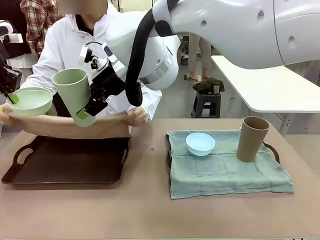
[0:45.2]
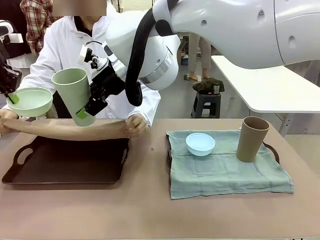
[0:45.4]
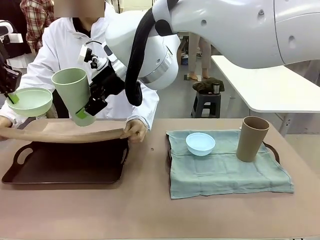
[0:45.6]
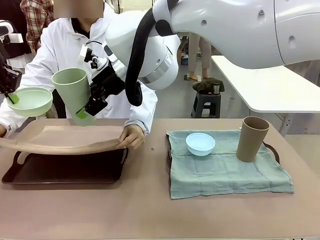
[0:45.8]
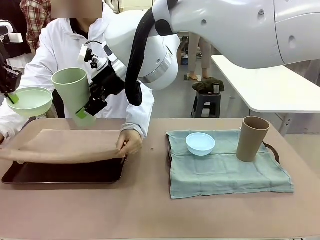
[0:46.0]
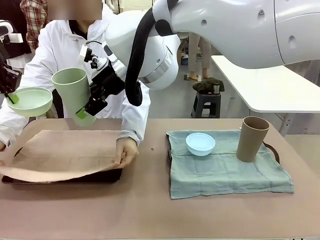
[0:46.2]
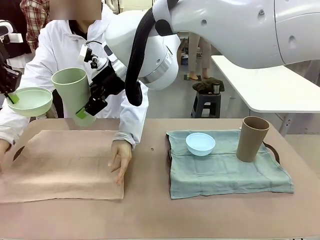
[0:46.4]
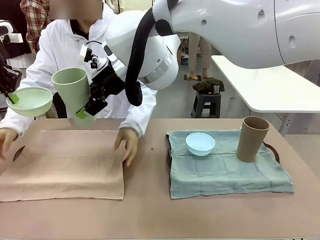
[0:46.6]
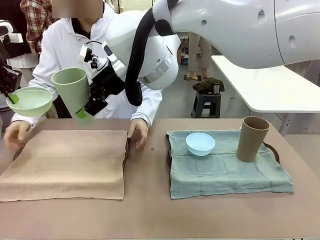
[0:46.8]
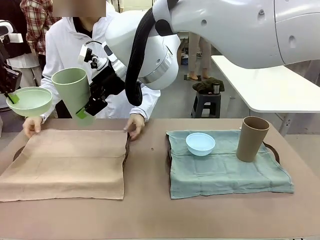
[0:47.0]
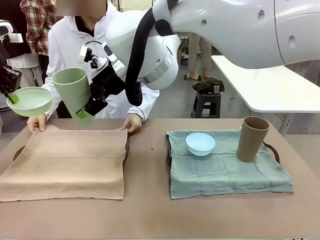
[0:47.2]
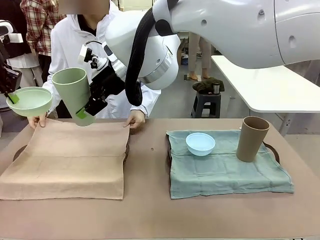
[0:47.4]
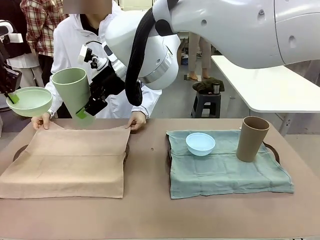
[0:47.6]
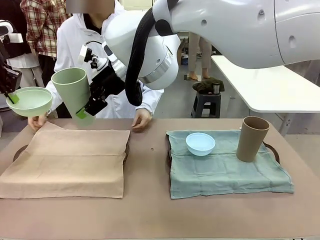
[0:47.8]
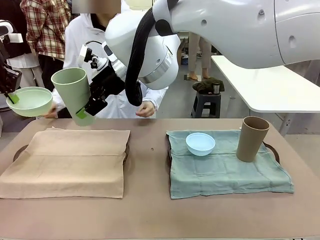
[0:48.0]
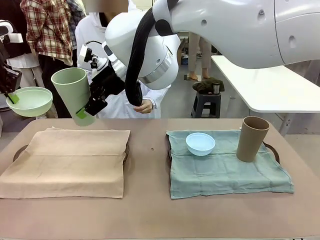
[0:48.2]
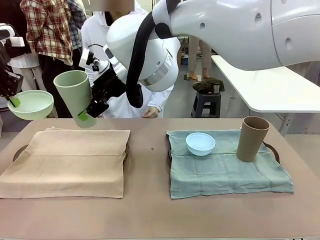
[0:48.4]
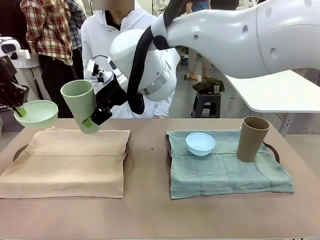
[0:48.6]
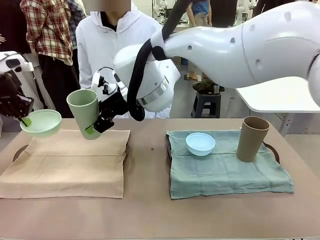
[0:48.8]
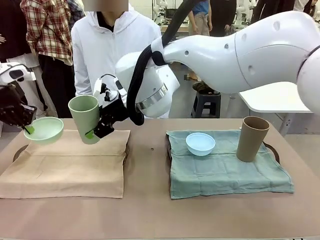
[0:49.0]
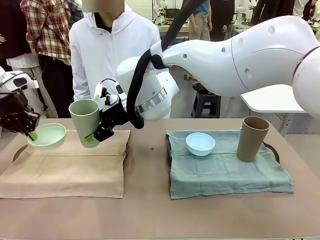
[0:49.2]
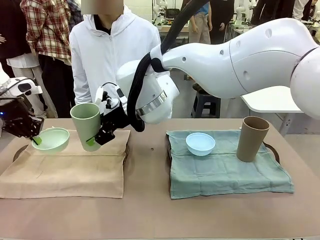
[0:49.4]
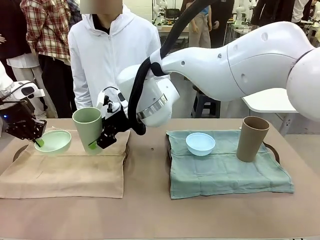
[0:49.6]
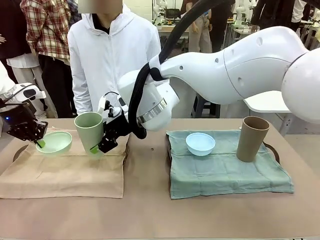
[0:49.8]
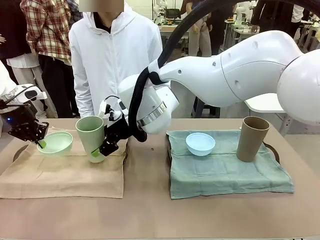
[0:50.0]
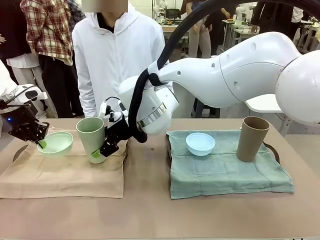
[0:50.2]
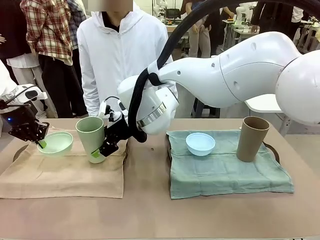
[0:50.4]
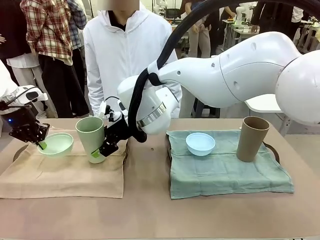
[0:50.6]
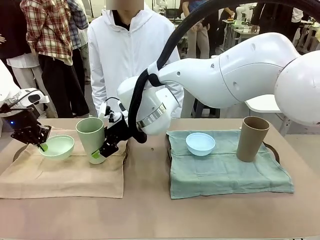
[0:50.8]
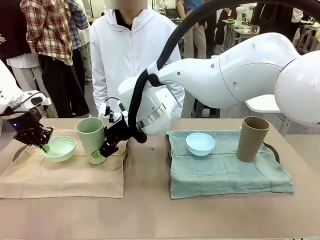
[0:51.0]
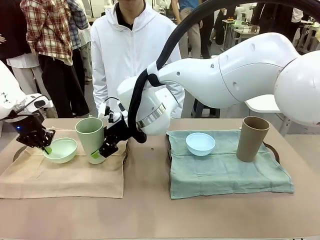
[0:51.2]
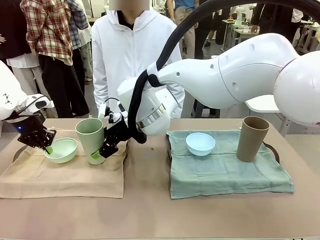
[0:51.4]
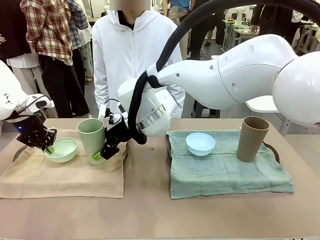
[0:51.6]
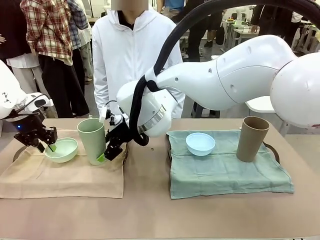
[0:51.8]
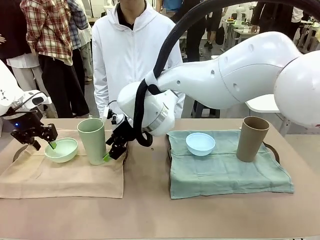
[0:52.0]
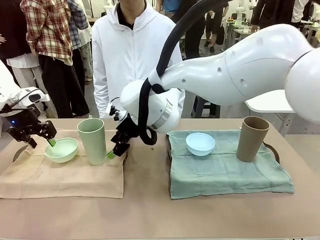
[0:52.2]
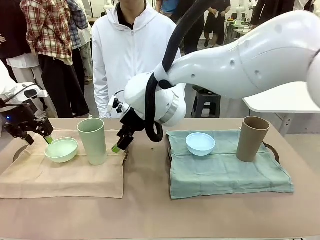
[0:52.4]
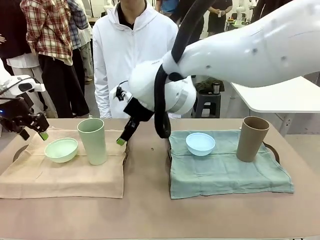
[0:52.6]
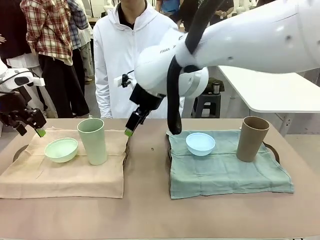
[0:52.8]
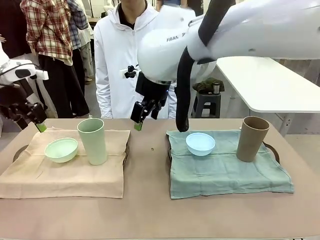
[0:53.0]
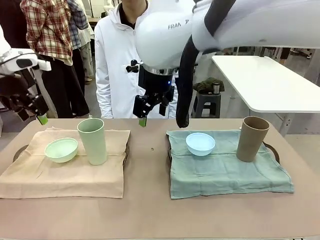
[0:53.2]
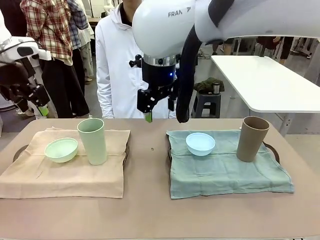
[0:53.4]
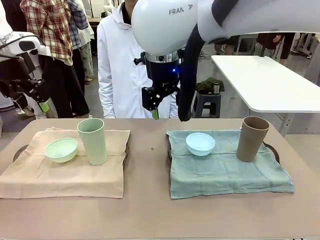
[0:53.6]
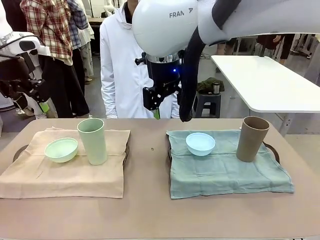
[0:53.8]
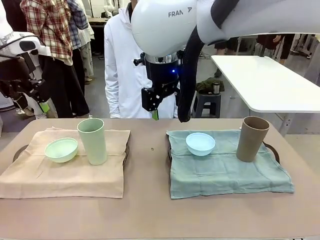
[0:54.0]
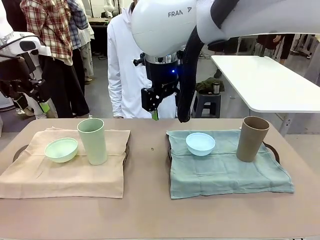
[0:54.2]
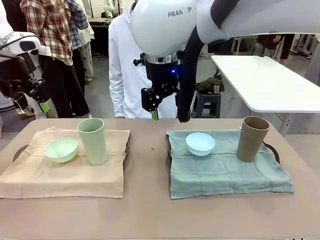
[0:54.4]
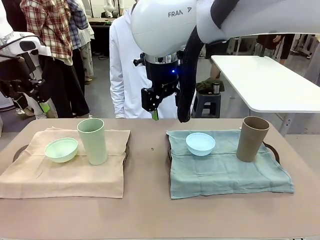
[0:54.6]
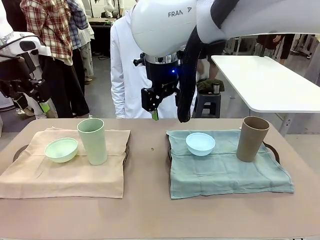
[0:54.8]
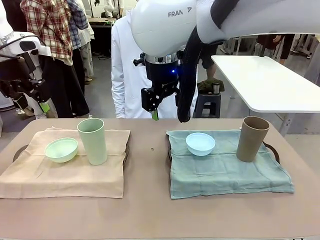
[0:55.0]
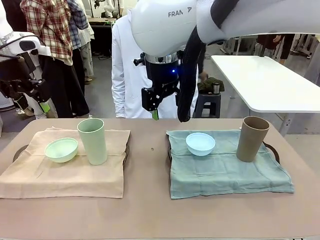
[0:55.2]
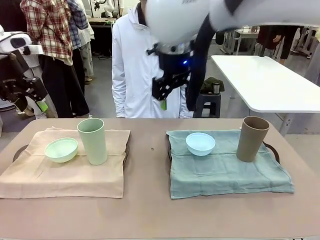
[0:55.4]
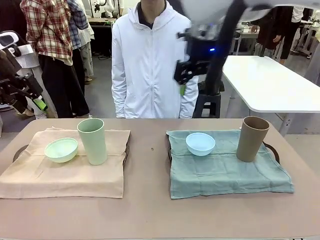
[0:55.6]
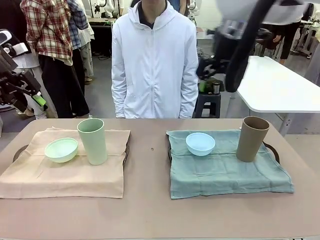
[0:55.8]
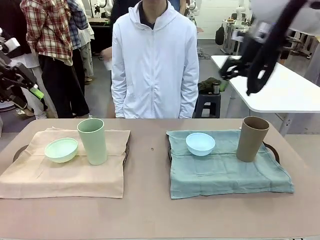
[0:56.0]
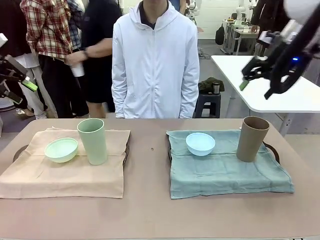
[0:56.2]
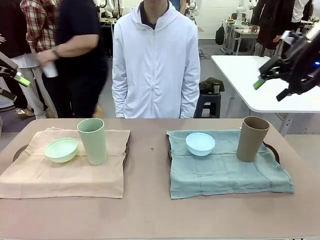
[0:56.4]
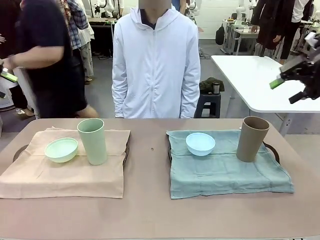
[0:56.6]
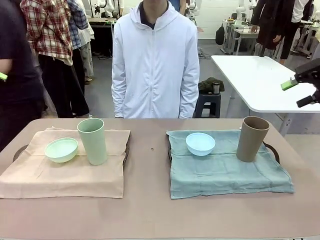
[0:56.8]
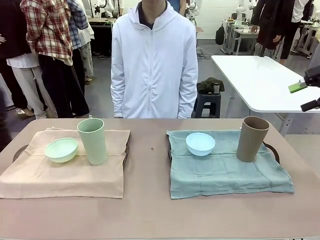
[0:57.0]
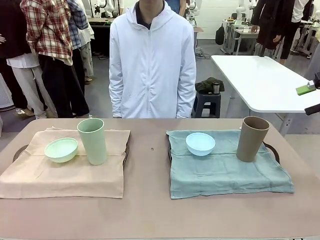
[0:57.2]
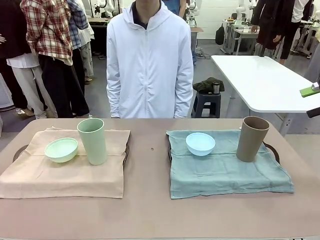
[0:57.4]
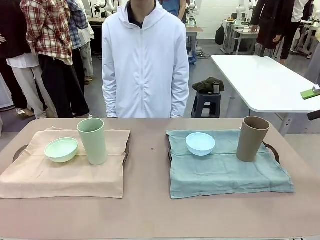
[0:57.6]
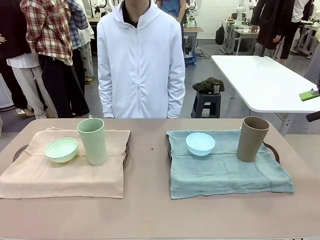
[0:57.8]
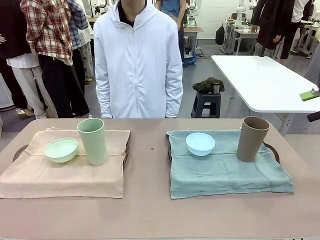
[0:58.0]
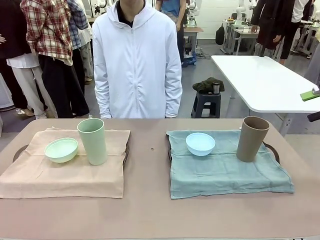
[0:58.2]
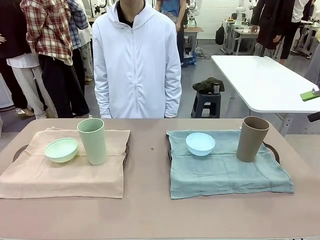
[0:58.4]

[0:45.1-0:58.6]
Robot: Place the Picnic Bowl and Reusable plastic cup back onto the Handle tray in front of the human's position.
Person: When the robot lifts the bowl and the cup, the human unfolds the napkin and lays the napkin flat on the tray.

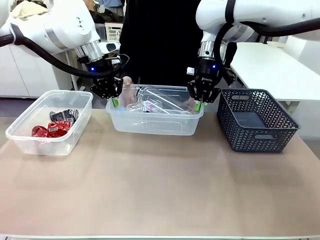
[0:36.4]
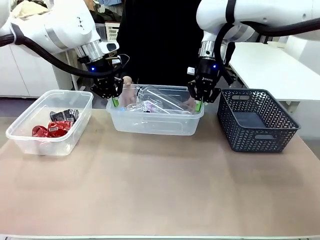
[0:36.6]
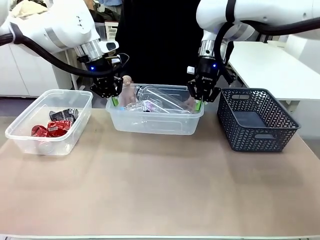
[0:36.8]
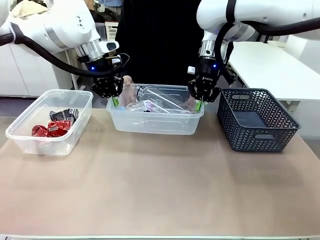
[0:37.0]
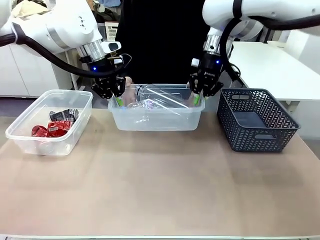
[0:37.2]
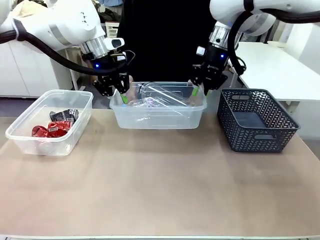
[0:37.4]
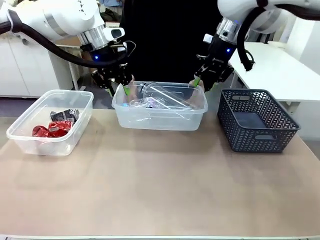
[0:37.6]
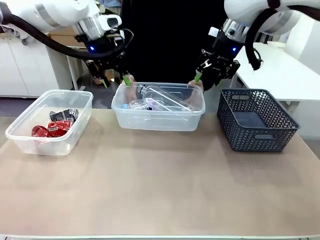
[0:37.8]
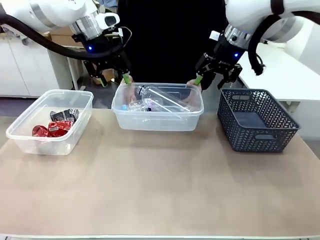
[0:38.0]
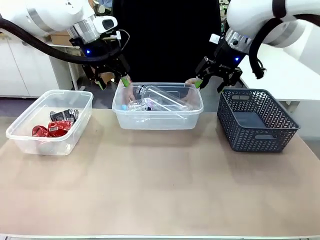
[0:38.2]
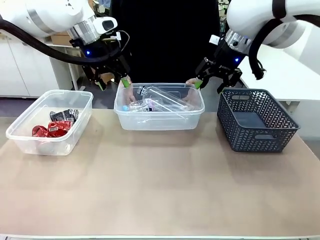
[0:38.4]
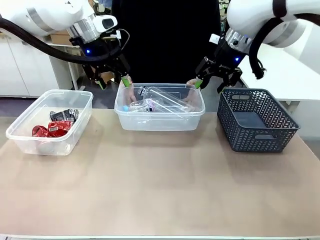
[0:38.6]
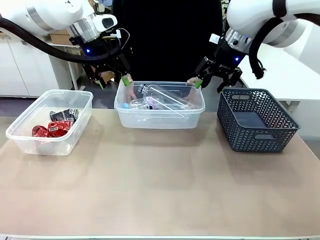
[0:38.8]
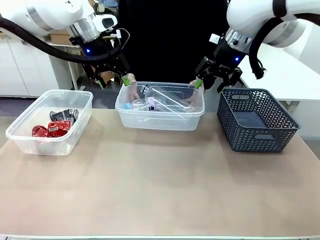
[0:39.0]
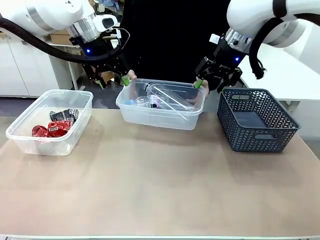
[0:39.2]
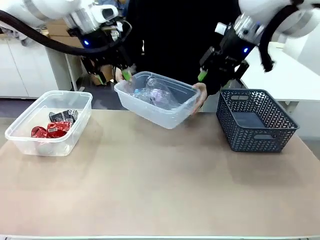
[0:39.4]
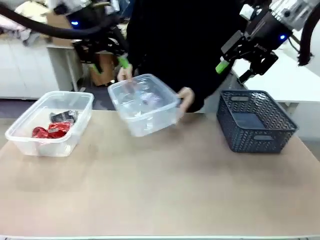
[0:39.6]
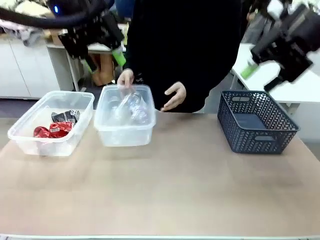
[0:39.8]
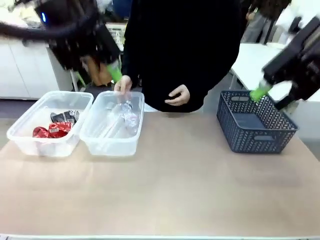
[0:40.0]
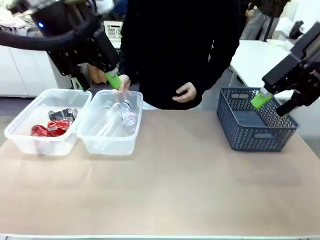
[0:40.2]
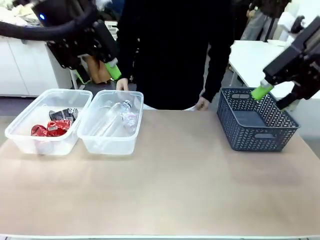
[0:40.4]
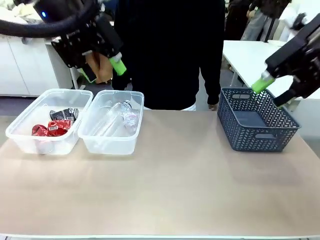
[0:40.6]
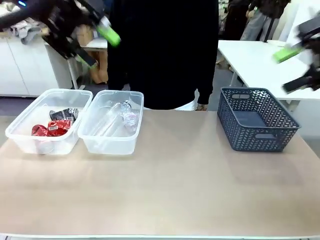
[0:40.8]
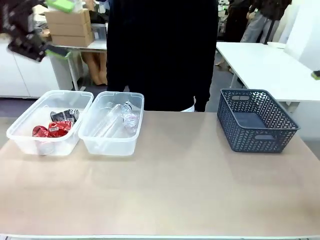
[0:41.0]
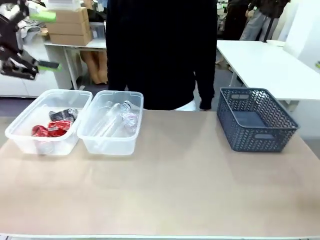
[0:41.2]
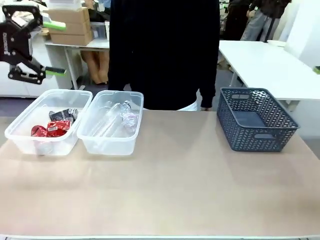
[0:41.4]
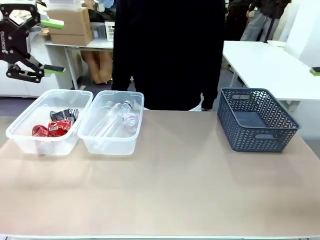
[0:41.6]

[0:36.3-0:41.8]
Robot: Release the Organizing box you were holding.
Person: Place the organizing box to the left of the sorting box containing the can waste.
